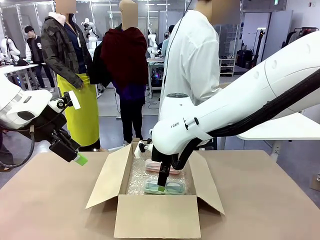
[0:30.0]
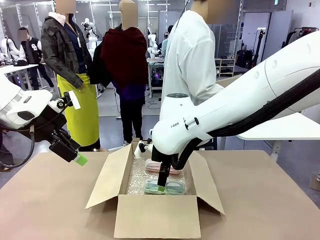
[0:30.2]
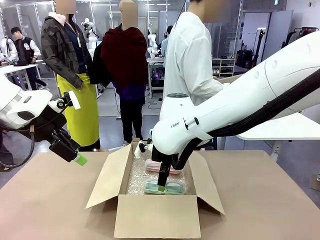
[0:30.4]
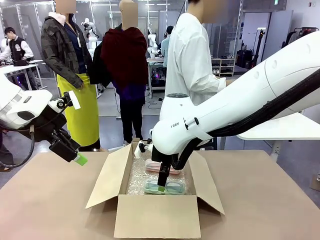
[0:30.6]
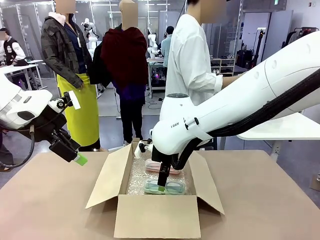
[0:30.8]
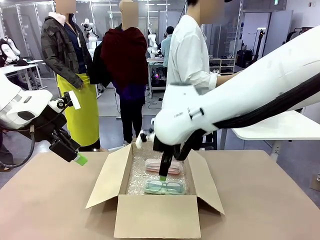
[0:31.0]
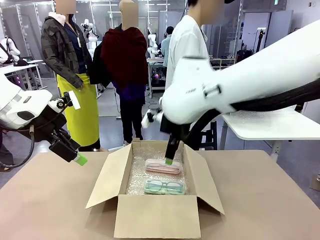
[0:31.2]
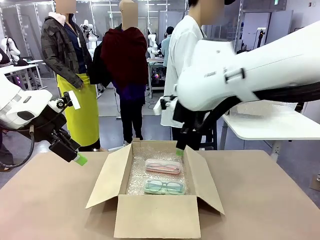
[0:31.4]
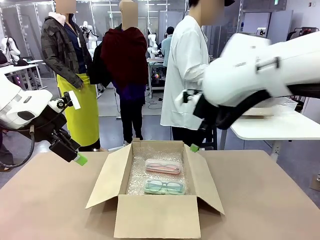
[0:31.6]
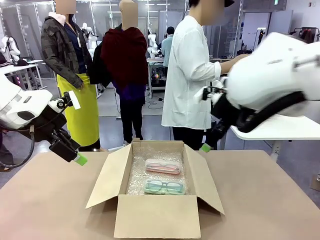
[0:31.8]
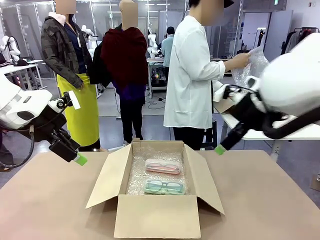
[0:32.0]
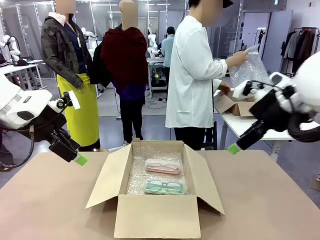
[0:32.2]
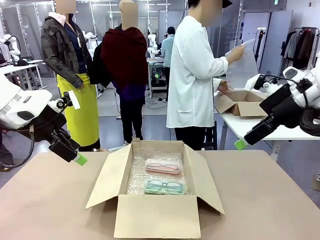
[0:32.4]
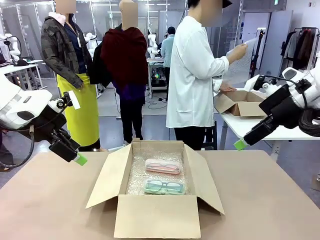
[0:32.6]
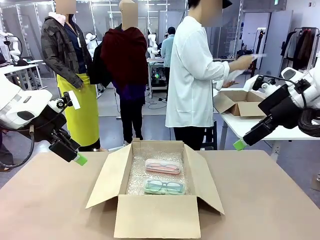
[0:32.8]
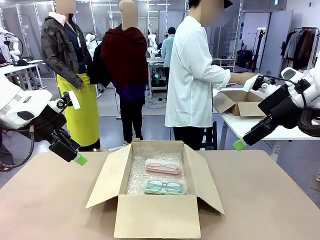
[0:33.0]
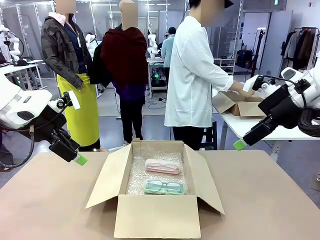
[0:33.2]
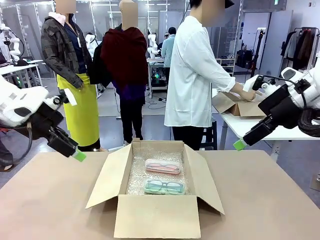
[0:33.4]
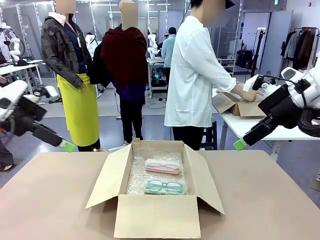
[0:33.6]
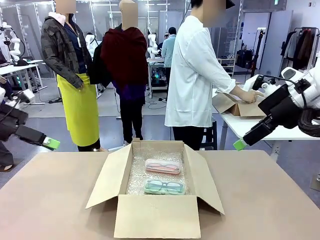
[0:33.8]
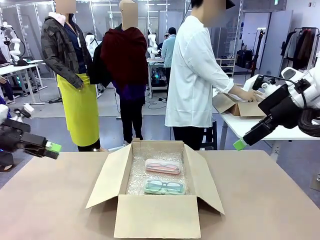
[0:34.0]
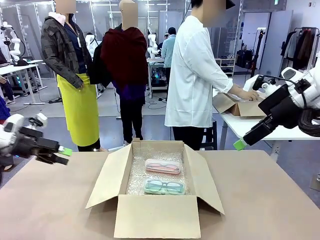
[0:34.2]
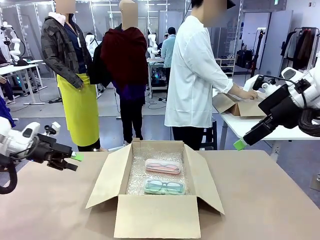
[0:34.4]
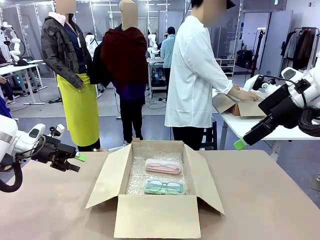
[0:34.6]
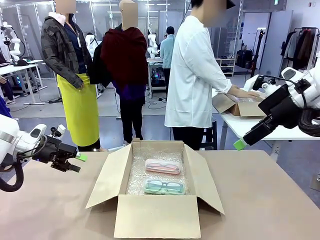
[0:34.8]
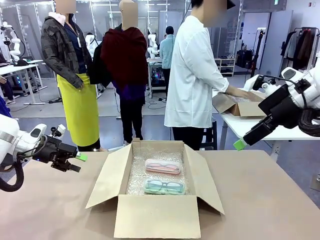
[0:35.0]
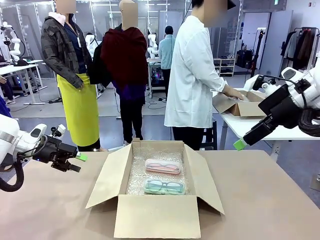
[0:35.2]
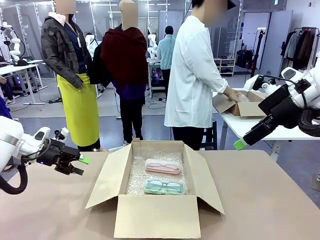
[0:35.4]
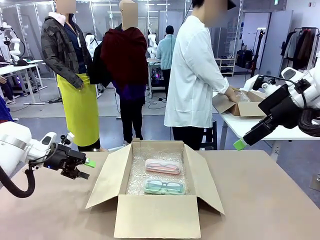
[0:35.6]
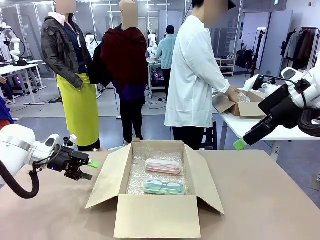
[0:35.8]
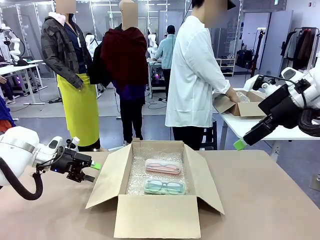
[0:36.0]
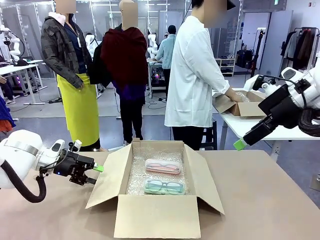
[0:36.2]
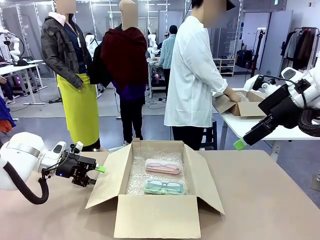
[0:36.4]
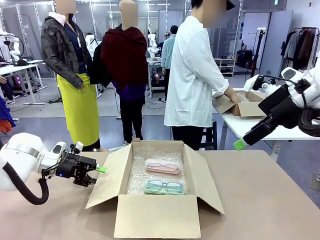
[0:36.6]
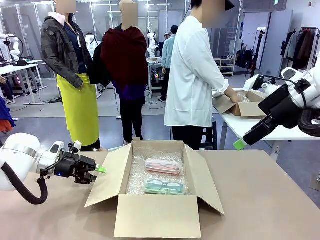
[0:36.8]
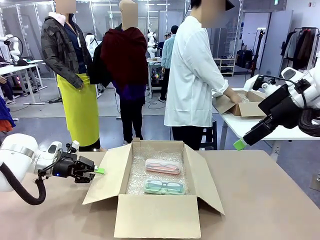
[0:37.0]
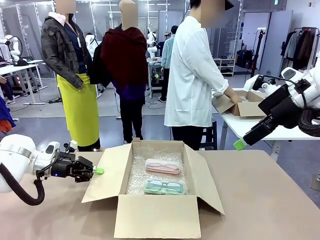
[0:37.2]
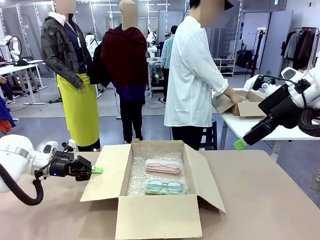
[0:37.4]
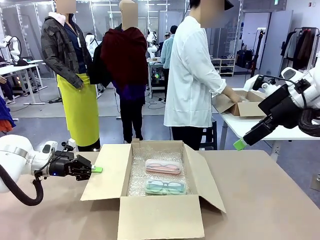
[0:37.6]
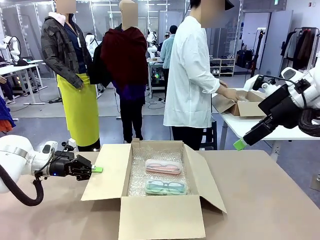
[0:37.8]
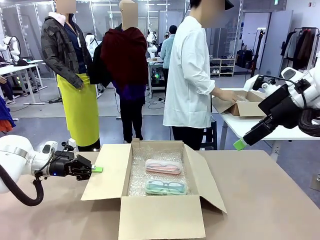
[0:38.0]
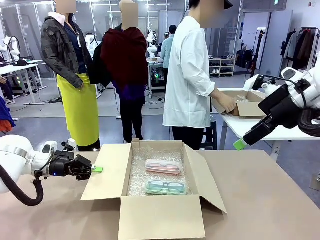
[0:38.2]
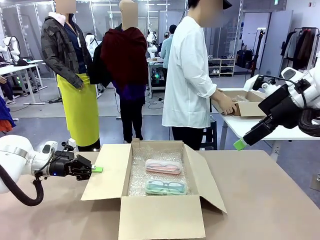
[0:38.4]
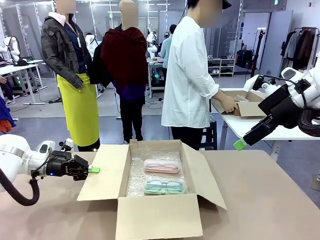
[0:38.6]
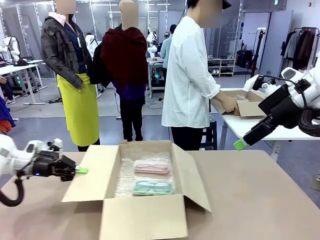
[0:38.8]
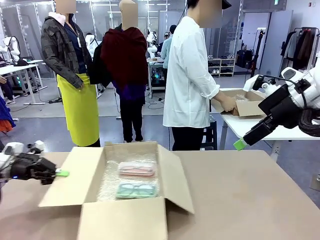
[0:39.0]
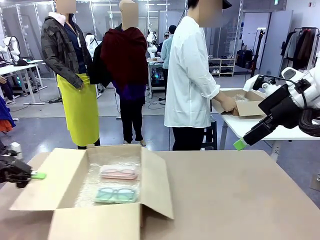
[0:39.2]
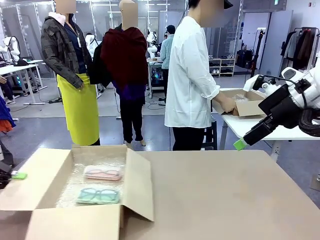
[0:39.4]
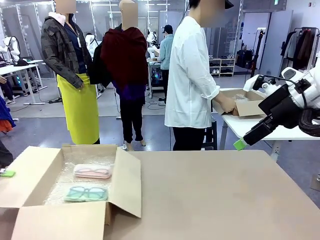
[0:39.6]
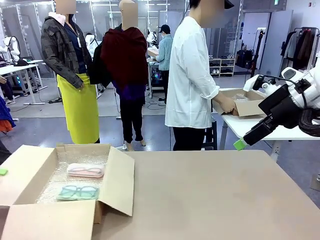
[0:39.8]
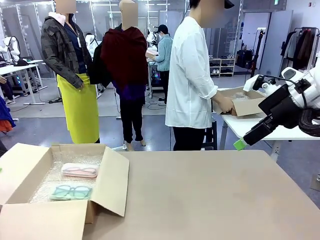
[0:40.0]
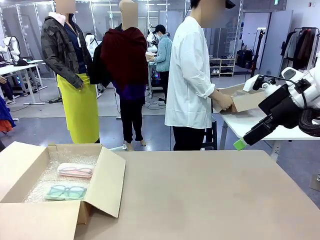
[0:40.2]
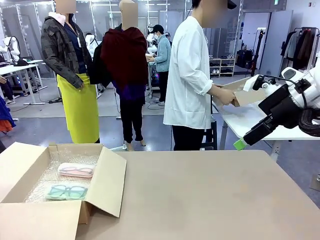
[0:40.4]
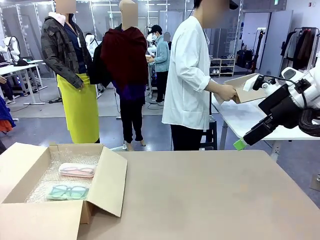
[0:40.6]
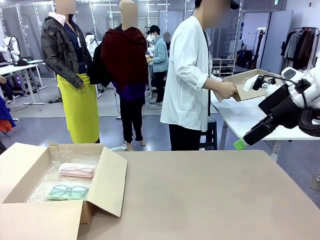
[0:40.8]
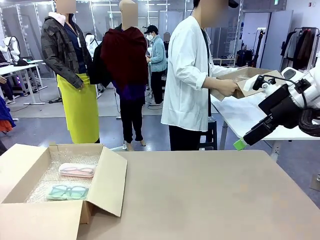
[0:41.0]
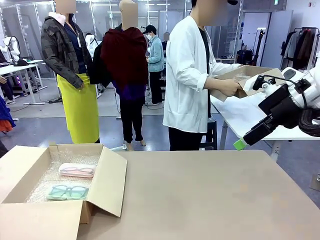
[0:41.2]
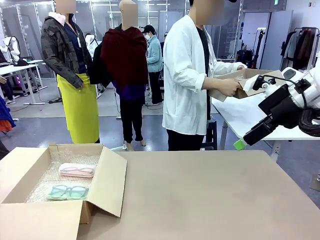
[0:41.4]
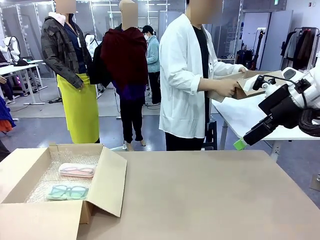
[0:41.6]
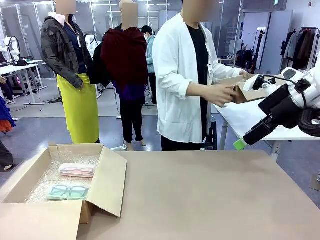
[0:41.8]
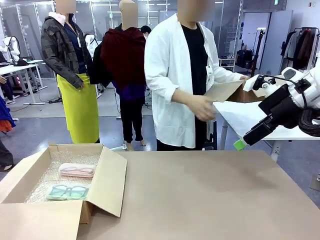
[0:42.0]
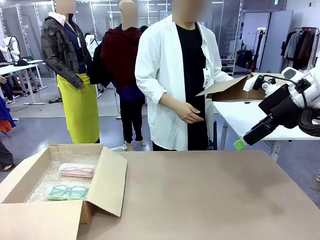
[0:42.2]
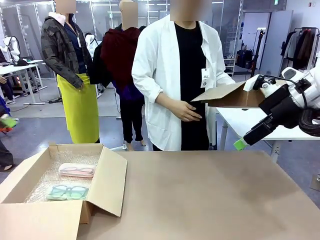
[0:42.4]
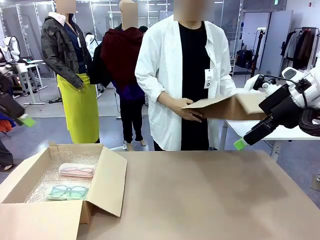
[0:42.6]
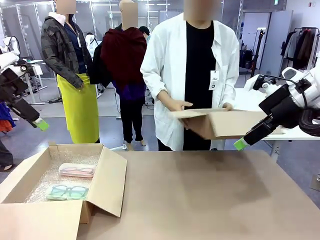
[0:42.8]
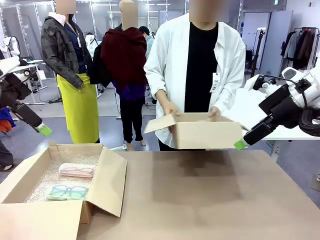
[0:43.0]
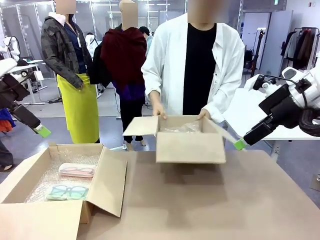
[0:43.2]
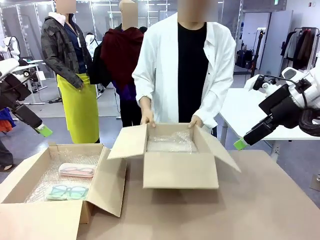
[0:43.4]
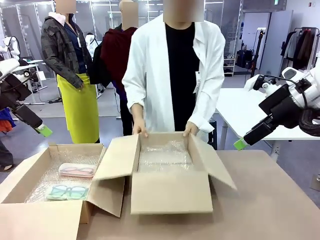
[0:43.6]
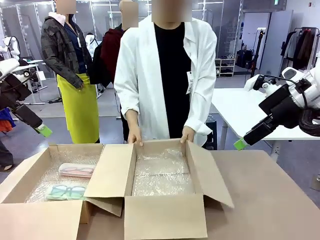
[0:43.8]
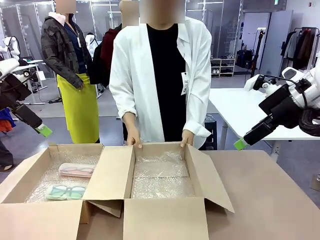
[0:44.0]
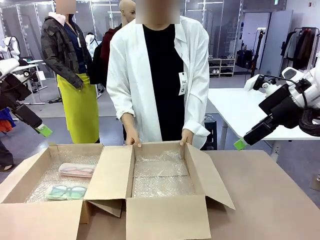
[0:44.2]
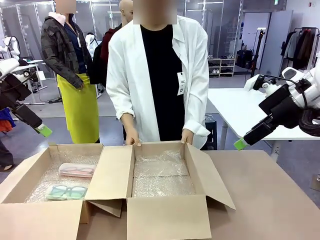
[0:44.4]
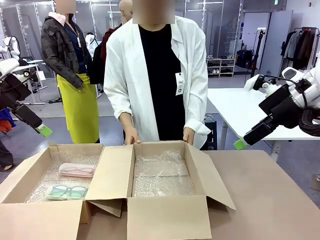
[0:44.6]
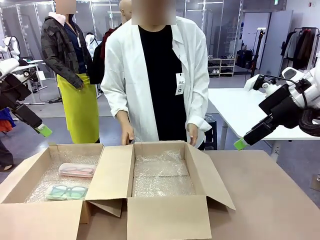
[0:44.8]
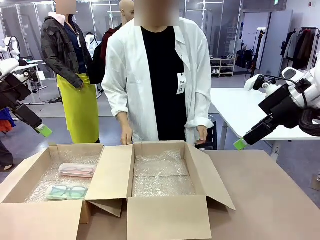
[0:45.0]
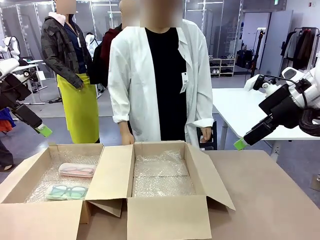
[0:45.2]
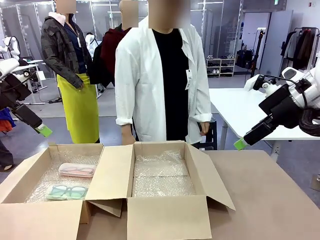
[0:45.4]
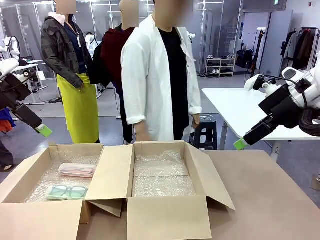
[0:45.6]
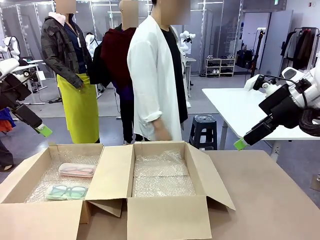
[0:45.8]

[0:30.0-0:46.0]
Task: Pack the glasses set securely to prepare it for shipping.
Robot: Position the Package Box on the left side of the table.
Person: Position the empty Package Box in the middle of the robot's table.
